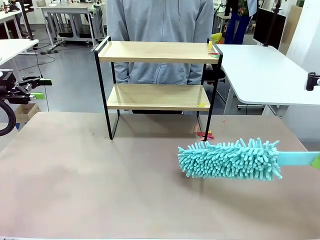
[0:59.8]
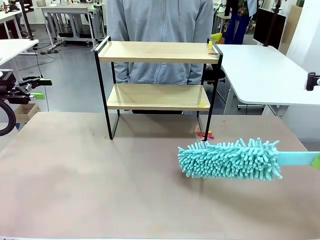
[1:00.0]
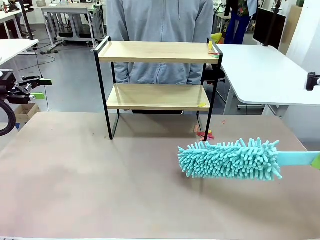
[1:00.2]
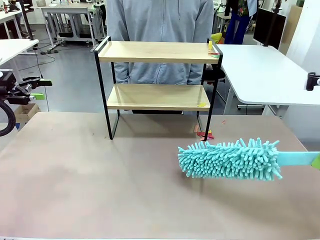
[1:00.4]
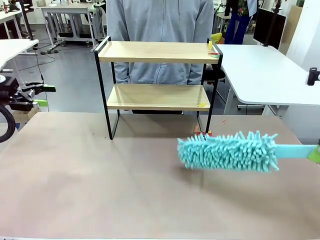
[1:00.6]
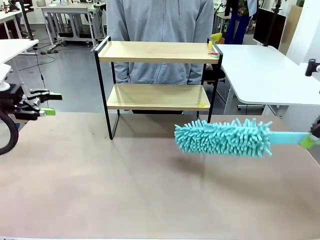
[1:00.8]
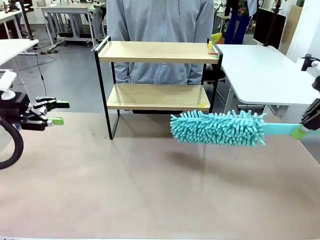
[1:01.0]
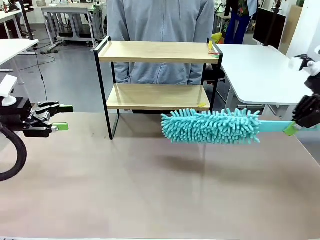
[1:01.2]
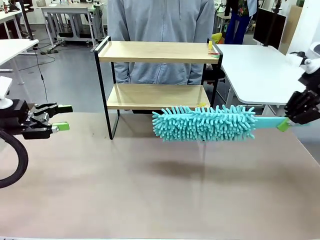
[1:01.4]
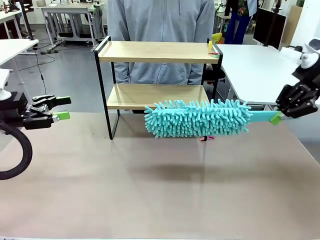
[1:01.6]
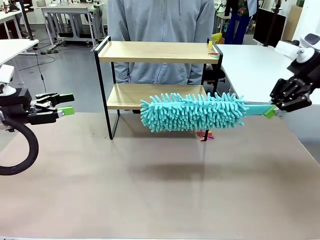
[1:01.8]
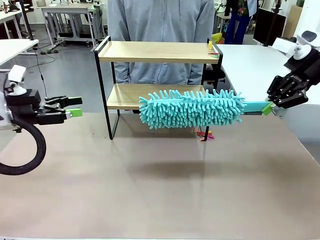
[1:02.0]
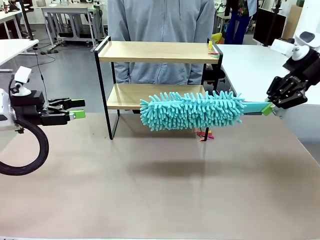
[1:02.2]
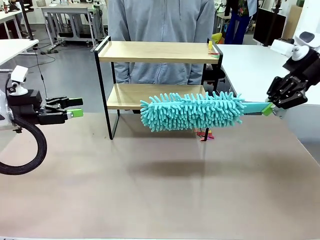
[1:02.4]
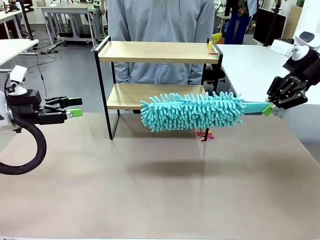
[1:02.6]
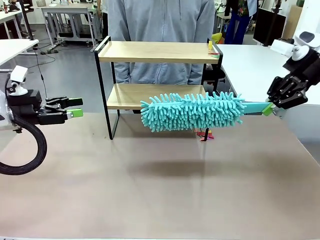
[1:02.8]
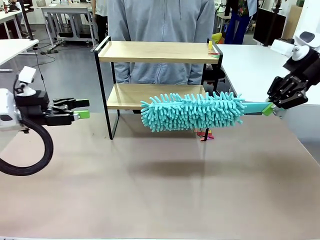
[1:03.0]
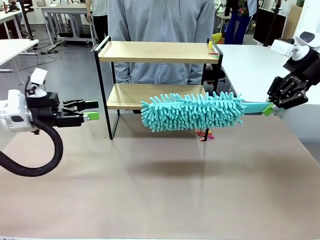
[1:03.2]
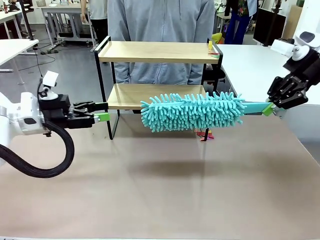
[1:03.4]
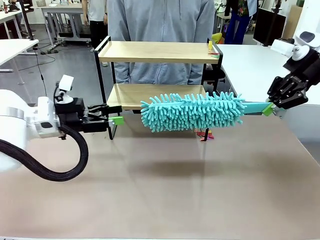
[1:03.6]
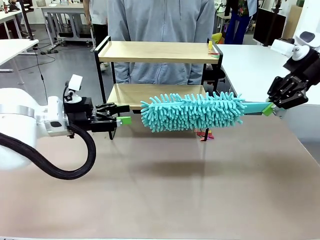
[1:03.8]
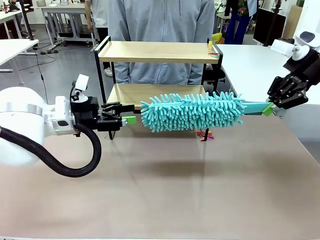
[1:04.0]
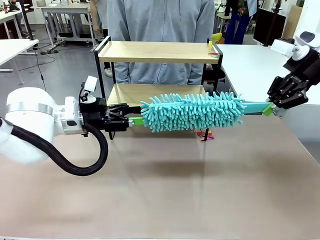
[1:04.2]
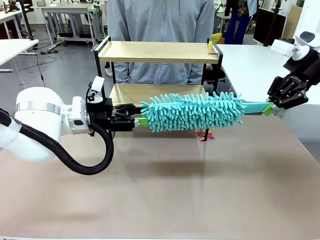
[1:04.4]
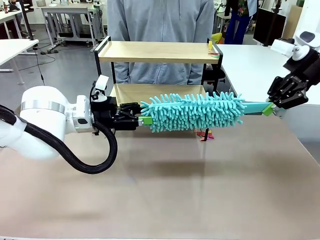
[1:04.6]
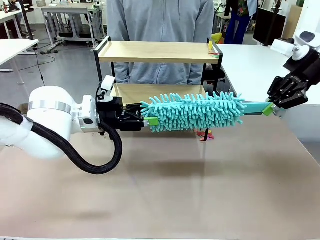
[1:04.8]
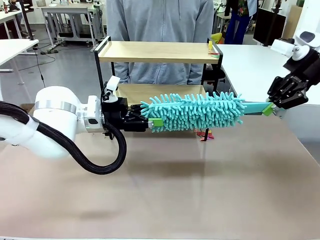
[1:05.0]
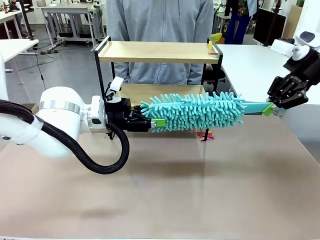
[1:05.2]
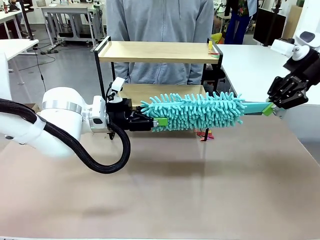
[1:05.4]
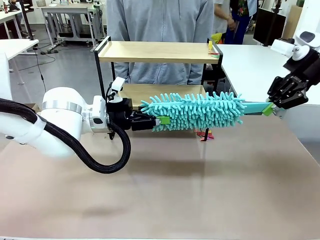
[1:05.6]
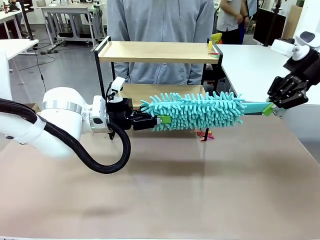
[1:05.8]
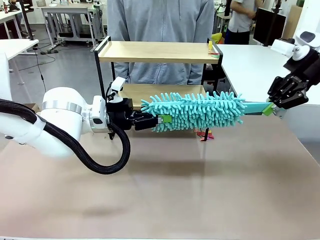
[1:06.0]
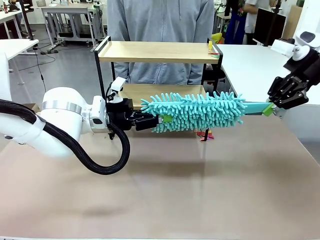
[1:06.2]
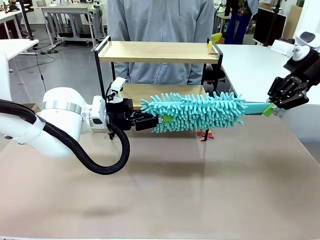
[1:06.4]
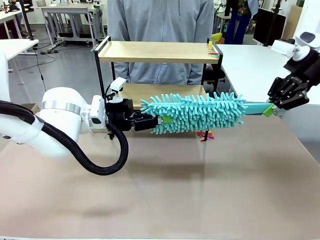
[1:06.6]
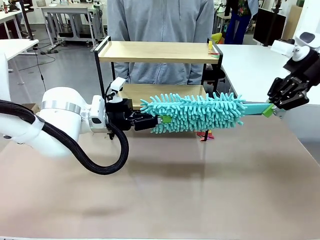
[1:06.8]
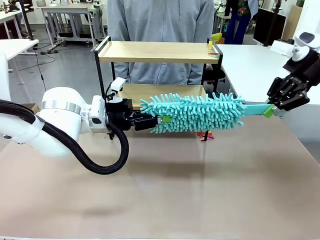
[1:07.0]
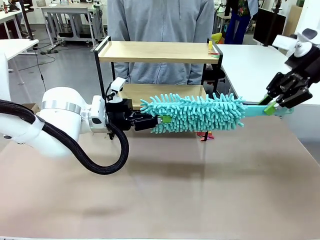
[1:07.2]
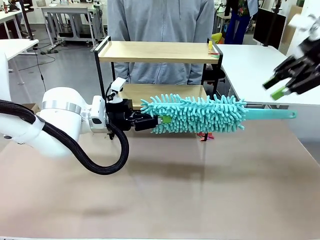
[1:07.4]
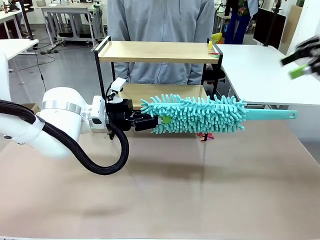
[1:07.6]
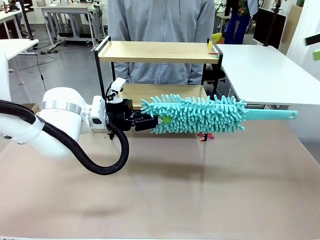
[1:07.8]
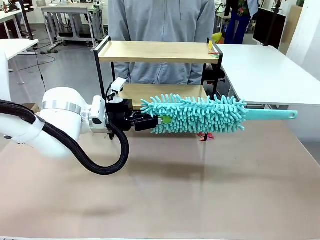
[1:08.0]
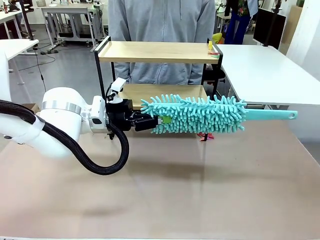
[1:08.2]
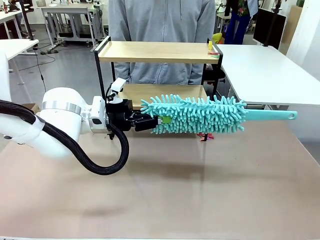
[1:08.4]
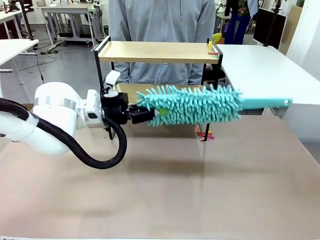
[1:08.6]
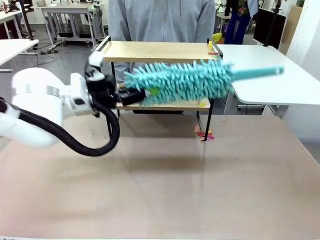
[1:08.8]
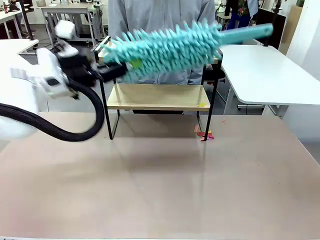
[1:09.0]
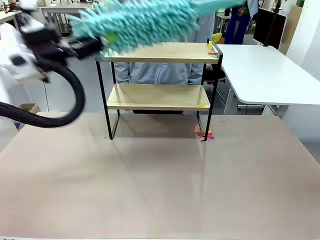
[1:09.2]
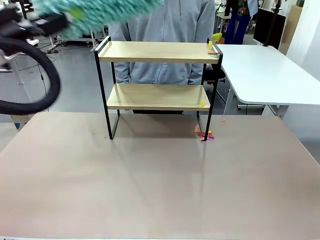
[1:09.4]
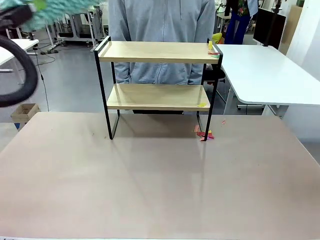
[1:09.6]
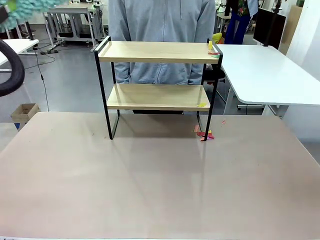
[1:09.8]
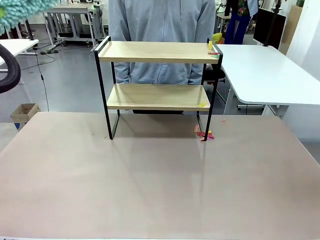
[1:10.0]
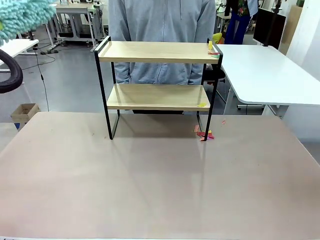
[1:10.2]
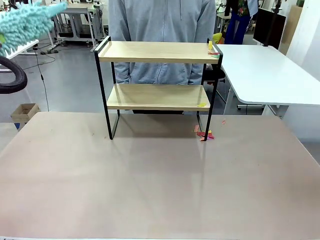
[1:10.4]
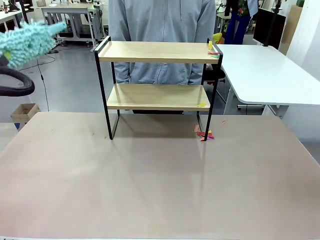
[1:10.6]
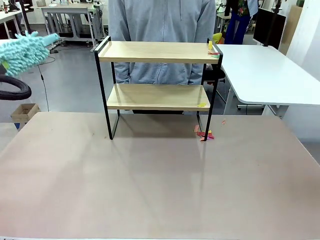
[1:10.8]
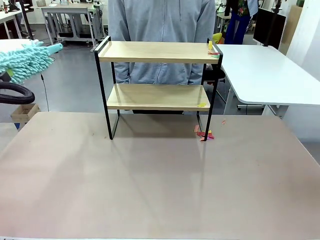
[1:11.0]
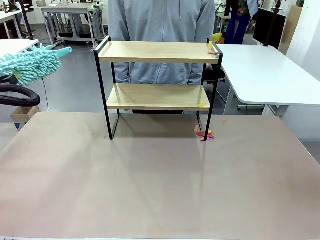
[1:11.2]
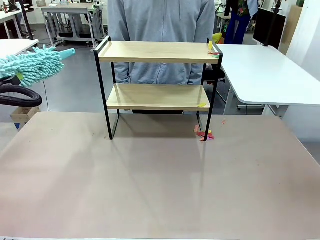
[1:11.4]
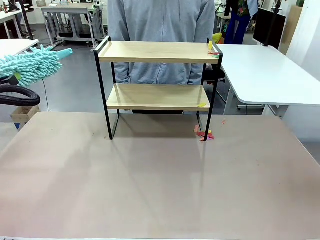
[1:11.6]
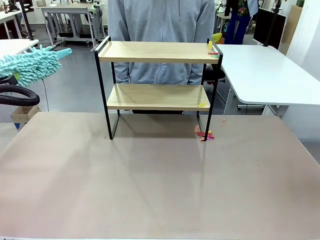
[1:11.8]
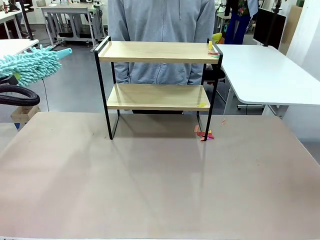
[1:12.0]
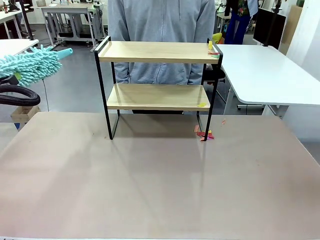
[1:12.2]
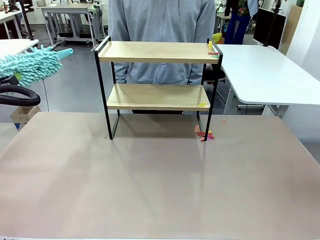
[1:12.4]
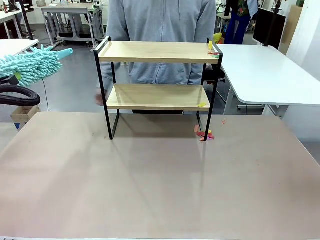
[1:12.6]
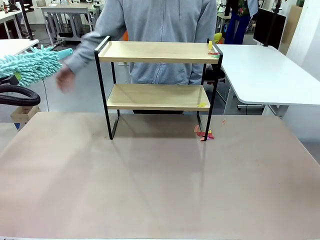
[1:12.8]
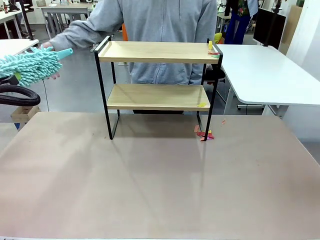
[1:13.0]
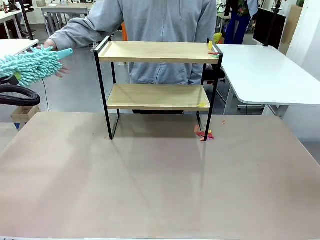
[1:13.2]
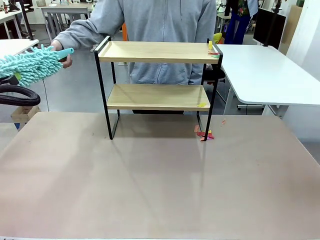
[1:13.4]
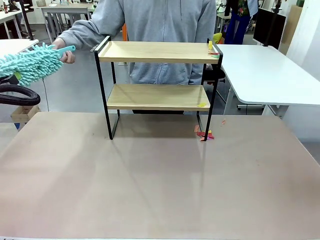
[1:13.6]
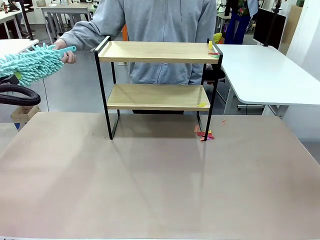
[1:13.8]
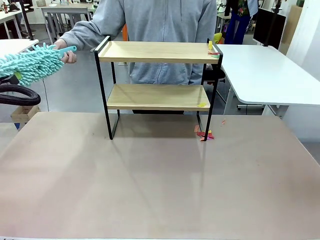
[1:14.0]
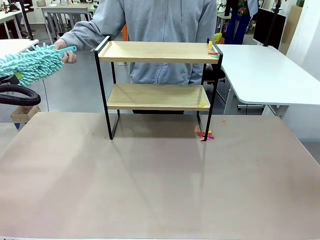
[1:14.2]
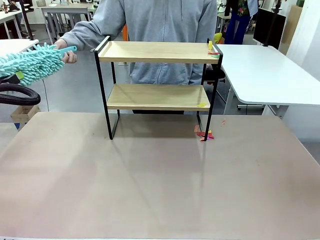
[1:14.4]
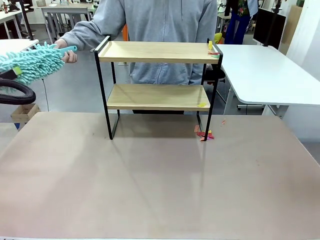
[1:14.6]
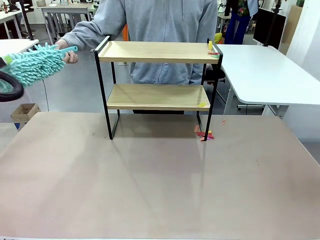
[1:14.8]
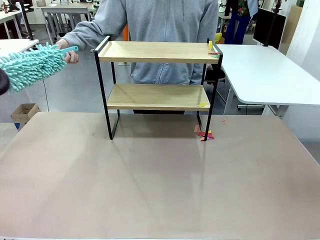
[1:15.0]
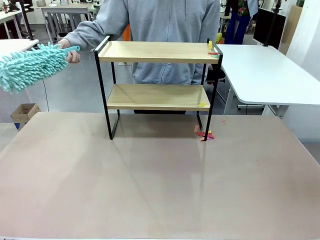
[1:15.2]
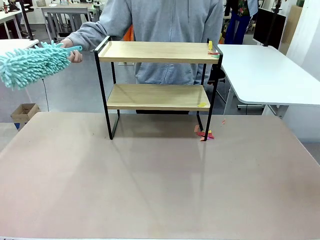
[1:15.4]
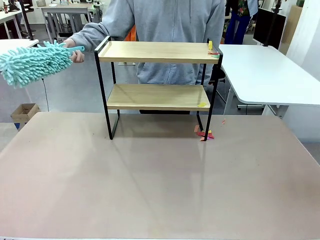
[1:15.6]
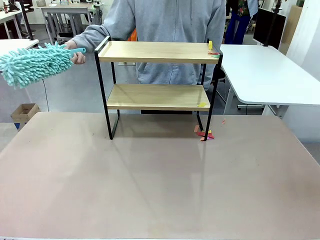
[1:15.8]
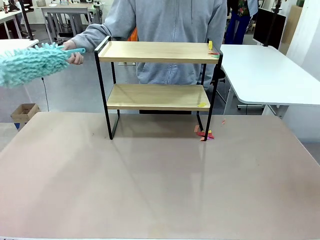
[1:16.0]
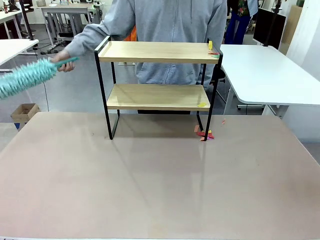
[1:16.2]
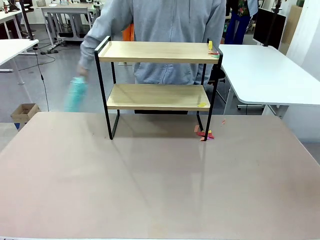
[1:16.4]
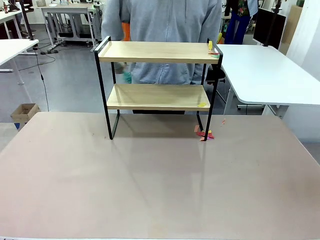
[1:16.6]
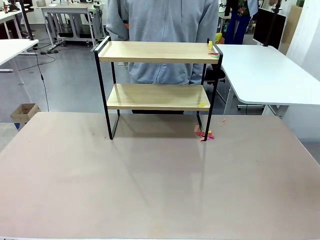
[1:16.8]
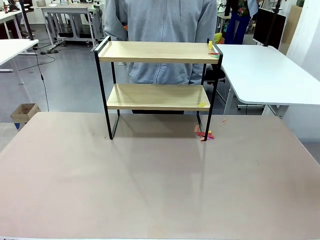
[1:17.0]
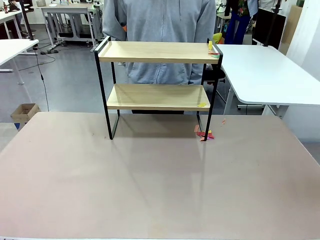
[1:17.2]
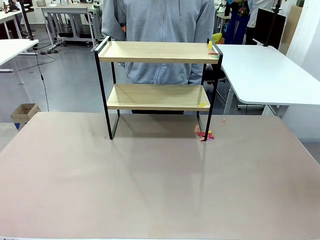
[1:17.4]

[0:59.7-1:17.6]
Task: Clean the shelf.
Robot: Hand the Duster back to the human.
Person: Receive the Duster from the robot.
